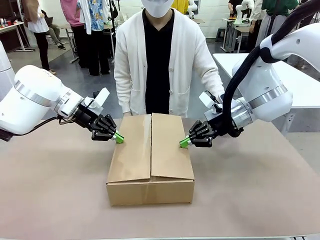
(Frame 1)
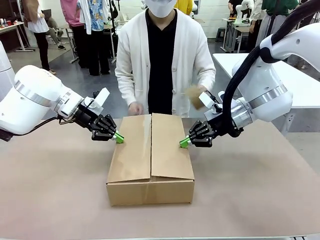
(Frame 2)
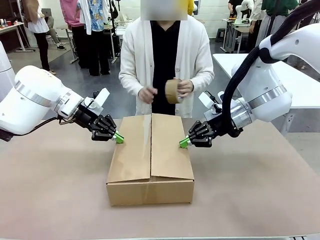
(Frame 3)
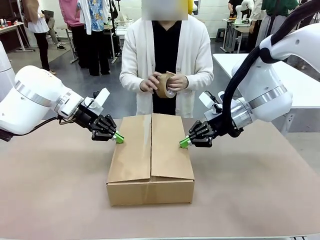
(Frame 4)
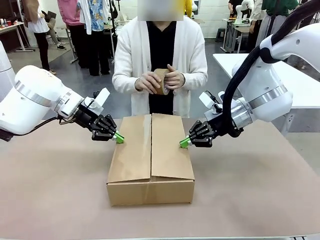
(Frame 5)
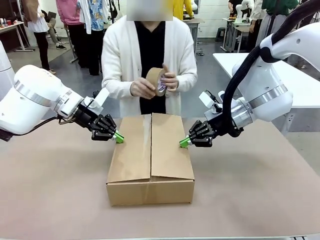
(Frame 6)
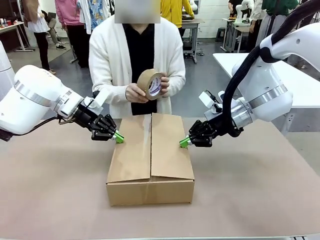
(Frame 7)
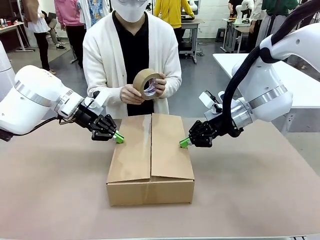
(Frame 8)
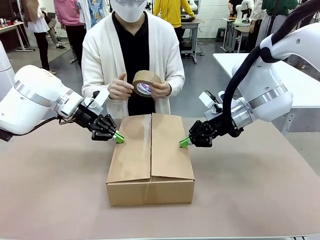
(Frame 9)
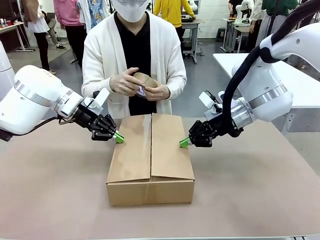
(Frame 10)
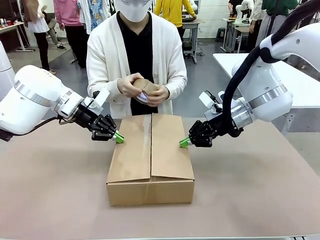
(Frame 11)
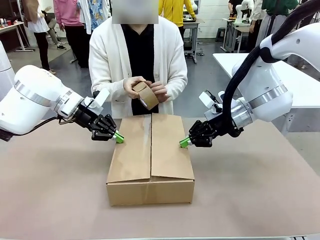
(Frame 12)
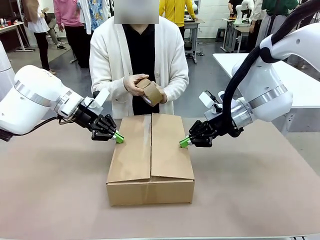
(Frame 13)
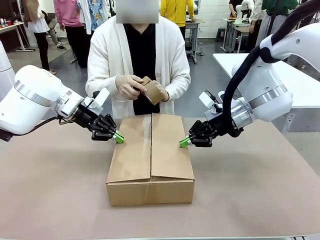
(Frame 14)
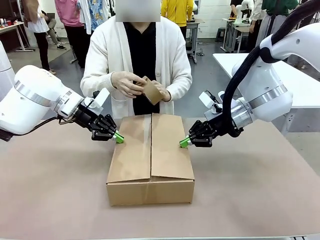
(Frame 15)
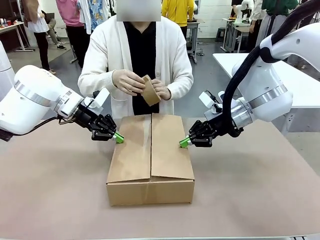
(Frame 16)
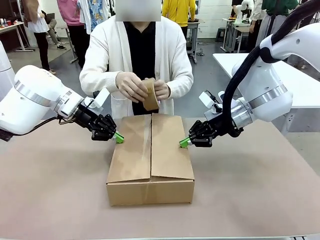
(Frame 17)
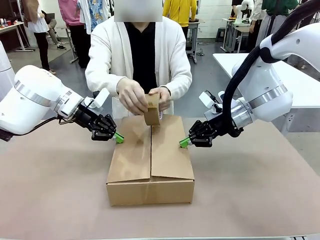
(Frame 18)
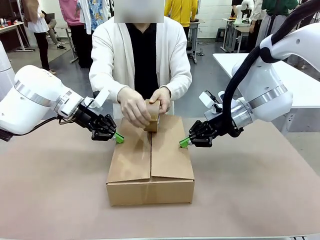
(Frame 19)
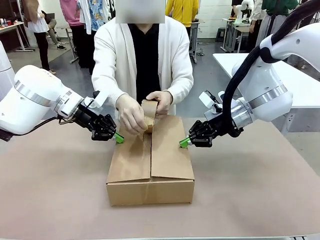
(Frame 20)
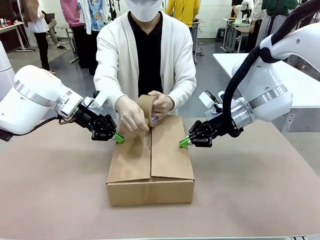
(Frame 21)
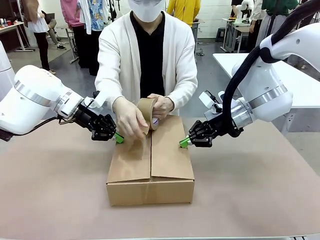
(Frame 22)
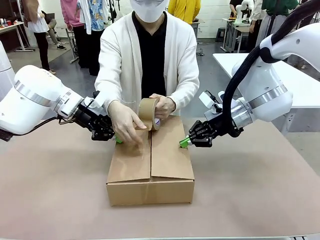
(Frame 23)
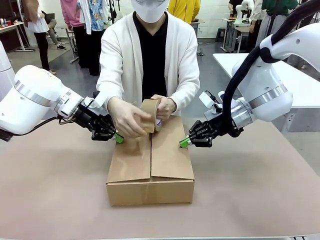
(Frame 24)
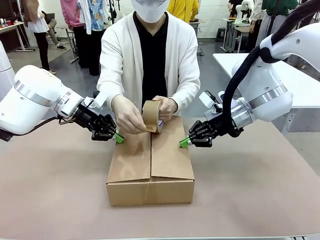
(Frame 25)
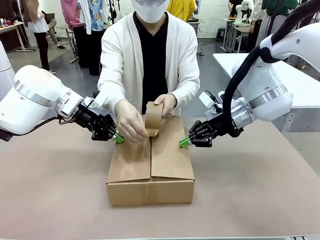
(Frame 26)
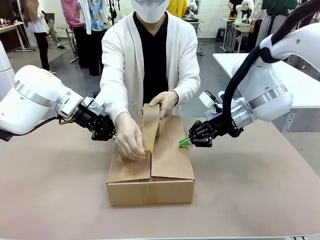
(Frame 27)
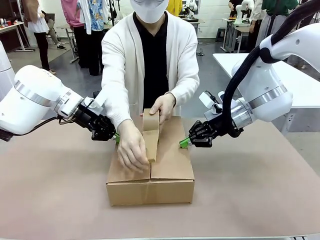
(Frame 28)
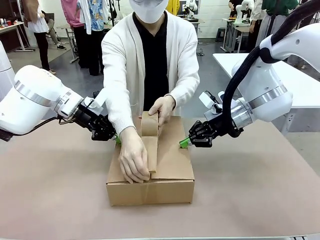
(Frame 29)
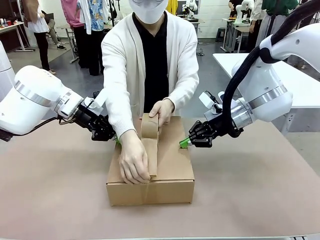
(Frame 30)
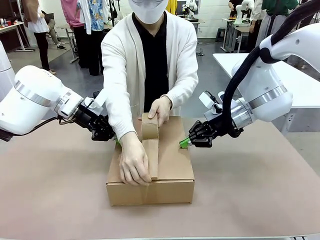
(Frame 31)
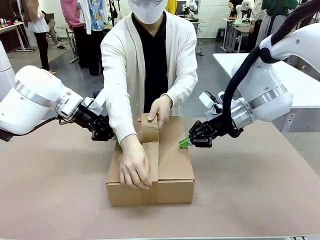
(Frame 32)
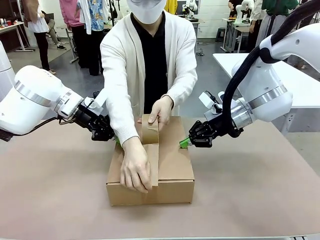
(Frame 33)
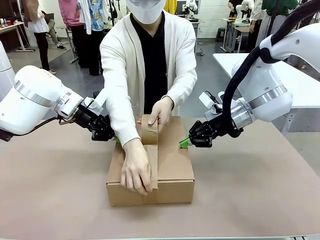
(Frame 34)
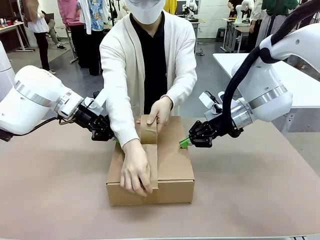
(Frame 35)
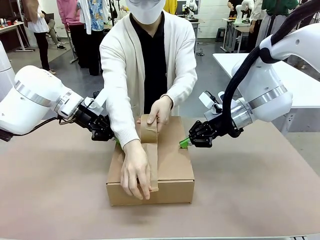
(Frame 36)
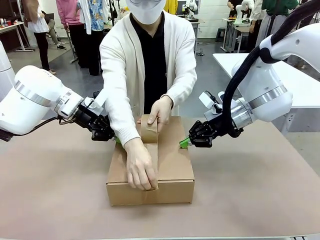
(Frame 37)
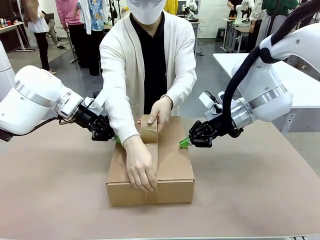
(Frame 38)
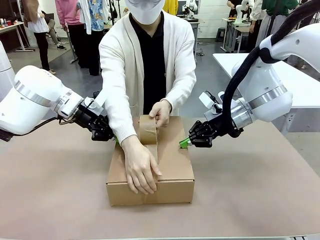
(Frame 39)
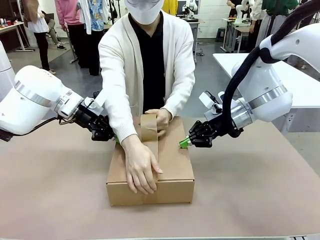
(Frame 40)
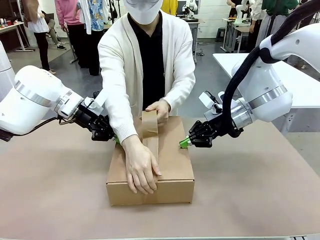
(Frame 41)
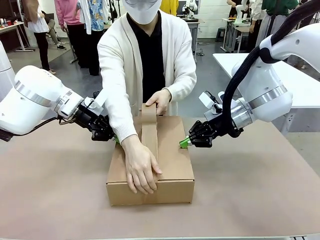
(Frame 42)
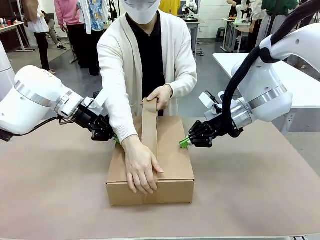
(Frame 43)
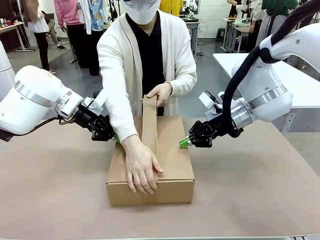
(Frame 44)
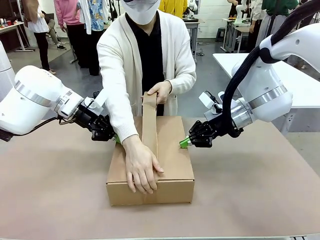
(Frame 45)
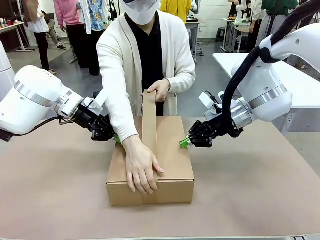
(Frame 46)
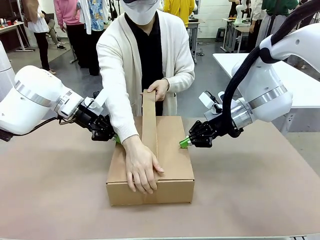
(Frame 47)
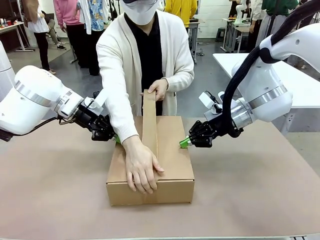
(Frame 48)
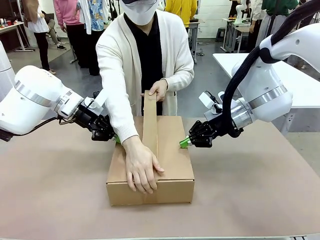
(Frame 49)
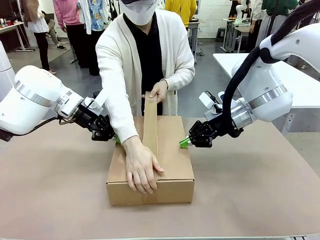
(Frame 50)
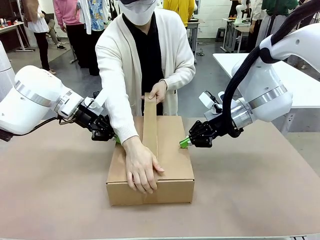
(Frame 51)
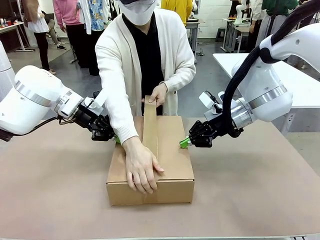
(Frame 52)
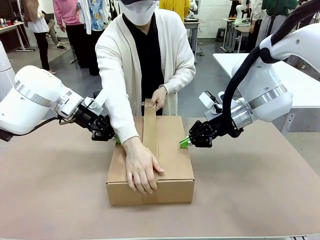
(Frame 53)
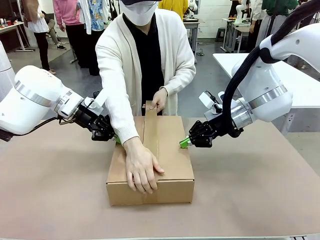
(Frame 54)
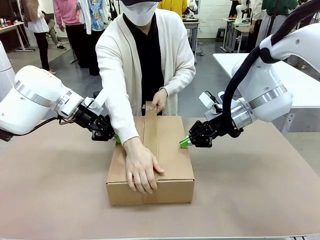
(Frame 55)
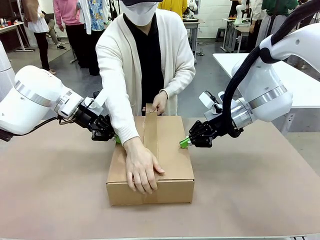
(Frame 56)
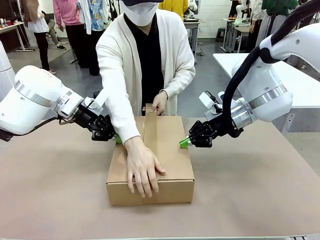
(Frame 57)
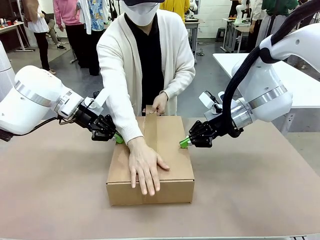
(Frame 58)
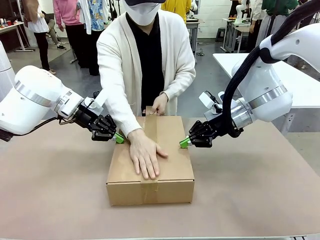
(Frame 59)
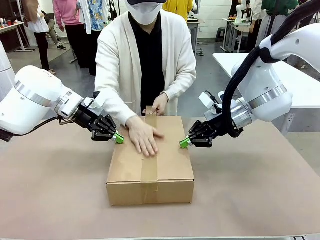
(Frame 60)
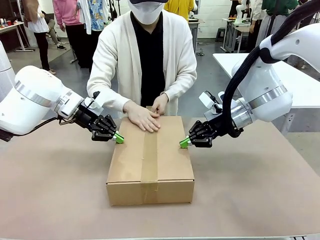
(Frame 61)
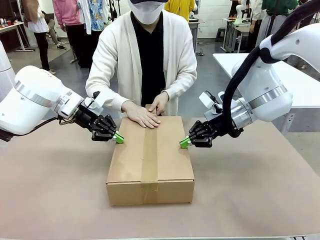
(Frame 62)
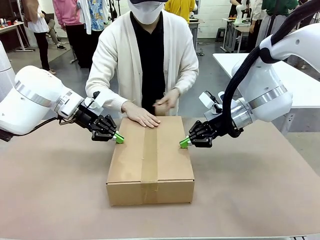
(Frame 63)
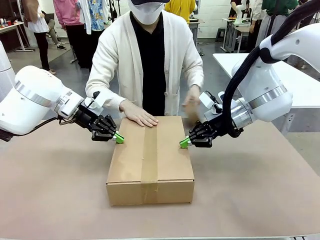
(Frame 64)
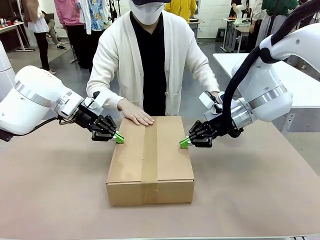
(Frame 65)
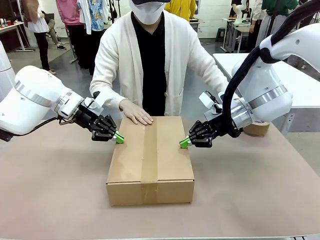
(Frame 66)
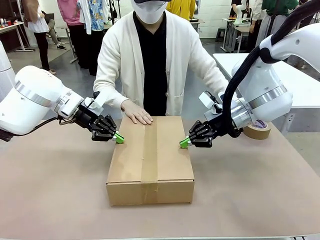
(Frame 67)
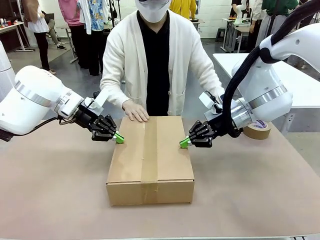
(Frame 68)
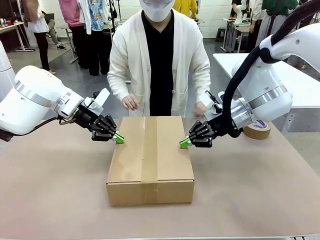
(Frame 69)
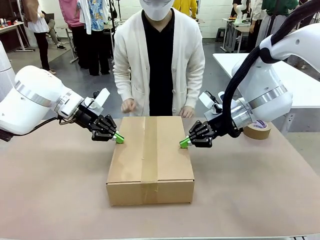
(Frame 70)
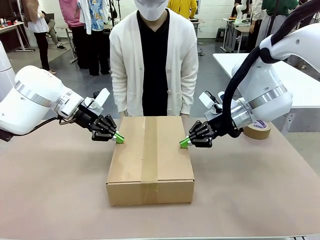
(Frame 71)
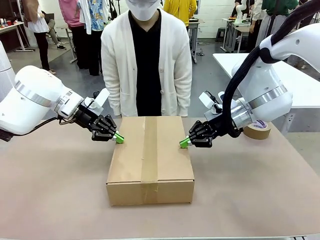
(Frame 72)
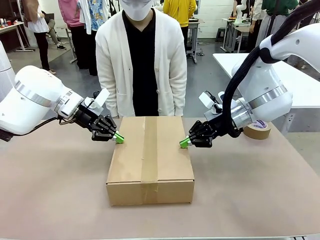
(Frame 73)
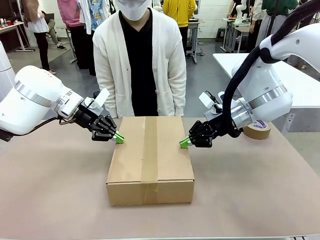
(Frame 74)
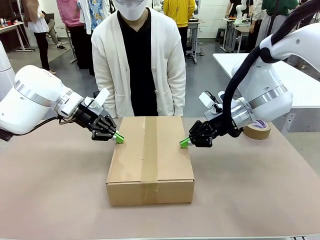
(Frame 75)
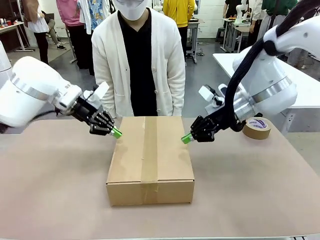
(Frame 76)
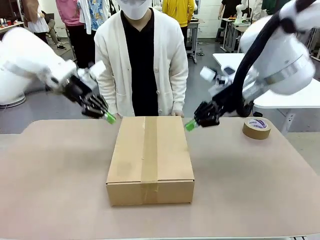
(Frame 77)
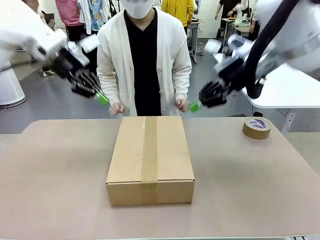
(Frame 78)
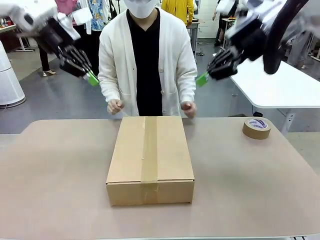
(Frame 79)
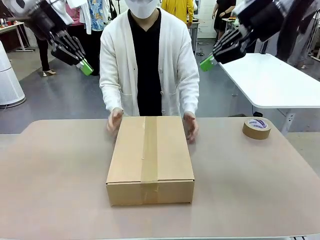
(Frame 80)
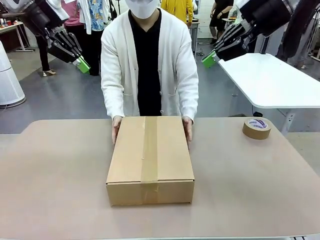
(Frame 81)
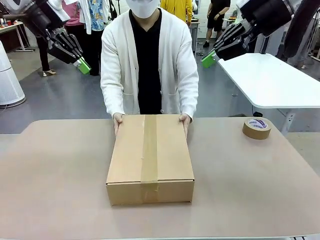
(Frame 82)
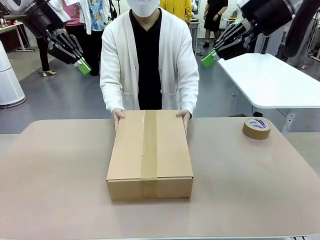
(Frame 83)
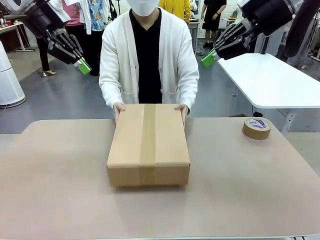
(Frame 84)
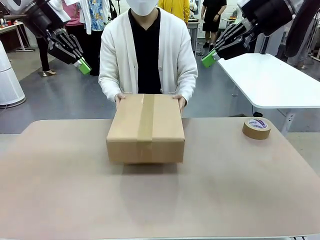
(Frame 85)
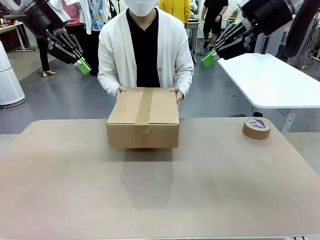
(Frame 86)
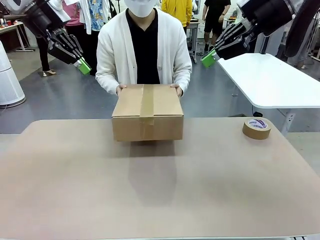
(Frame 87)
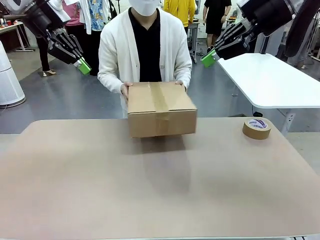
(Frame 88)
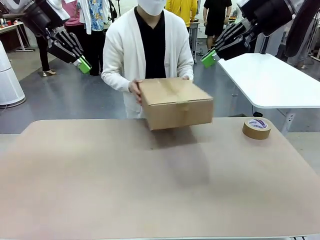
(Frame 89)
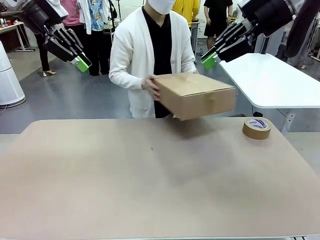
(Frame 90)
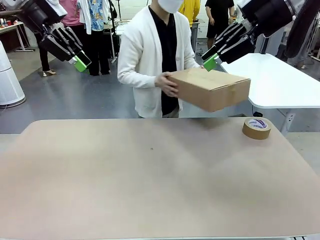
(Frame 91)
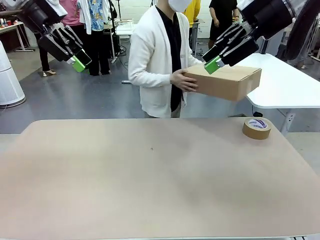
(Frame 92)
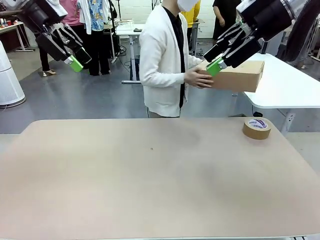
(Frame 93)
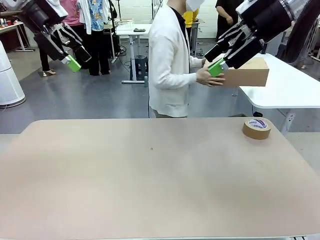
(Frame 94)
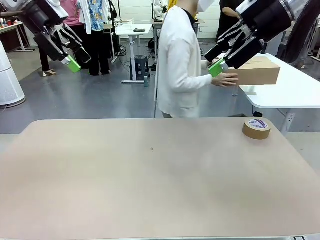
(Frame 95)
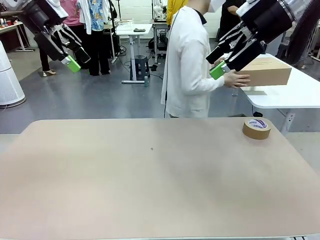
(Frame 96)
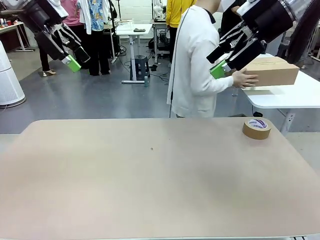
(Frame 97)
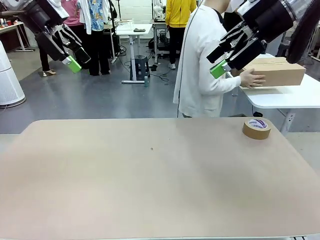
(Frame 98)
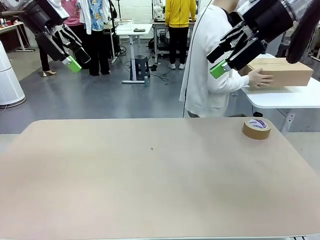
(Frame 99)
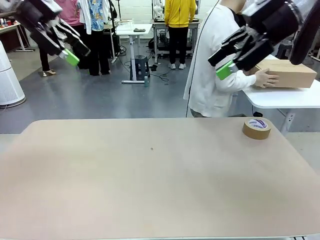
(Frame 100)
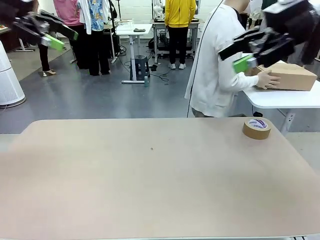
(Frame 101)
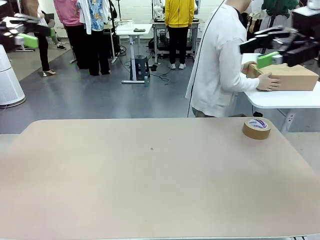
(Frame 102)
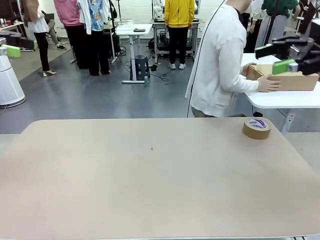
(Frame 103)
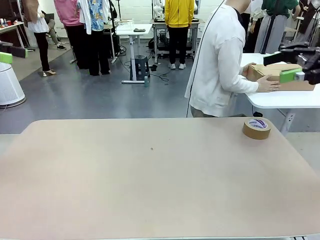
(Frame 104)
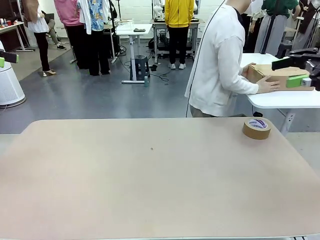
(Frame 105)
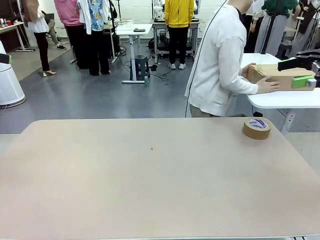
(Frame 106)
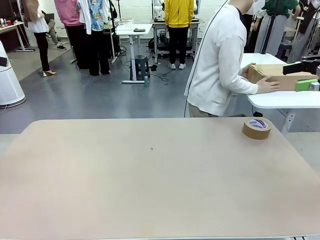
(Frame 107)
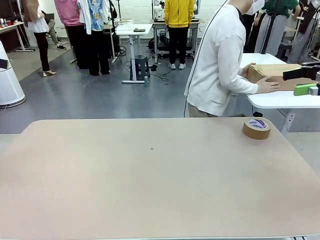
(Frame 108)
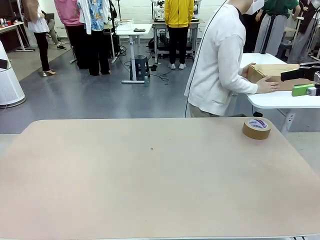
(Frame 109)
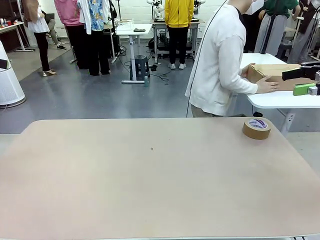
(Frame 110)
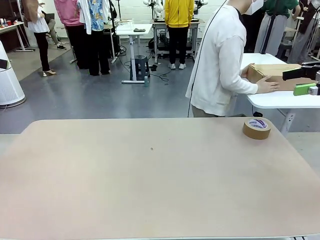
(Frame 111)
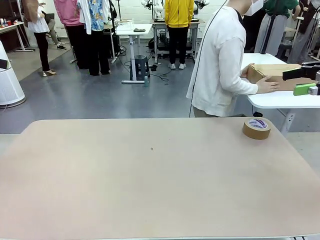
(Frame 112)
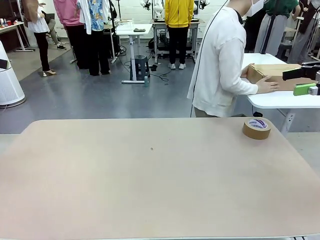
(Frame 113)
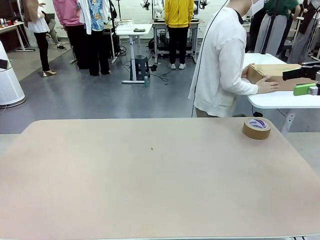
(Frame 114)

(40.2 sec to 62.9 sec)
Task: Wrap the clocks to prevent damage.
Robot: After the human seals the box with tape, release both hands from the side flaps of the Package Box.
Person: Once the robot closes the left flap of the Package Box , seal the box with Paper Tape. Place sealed Package Box in the middle of the human's table.
